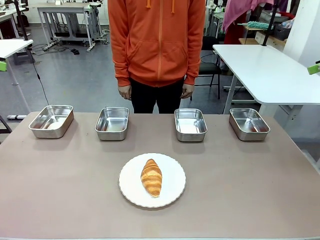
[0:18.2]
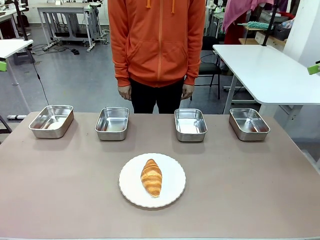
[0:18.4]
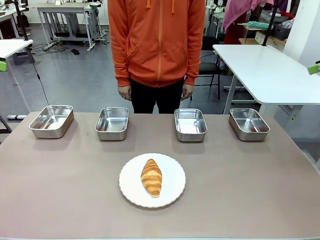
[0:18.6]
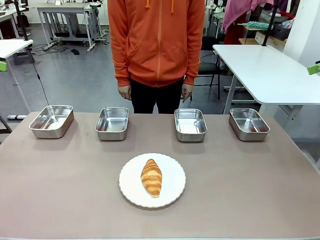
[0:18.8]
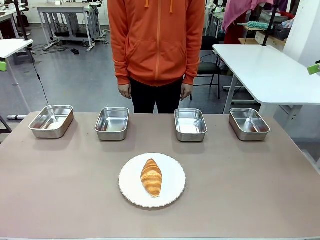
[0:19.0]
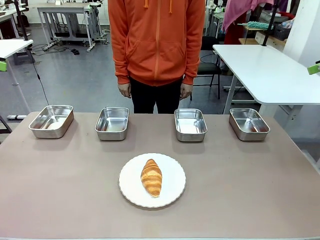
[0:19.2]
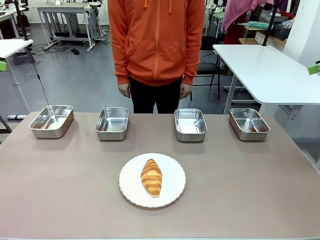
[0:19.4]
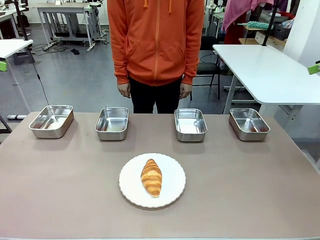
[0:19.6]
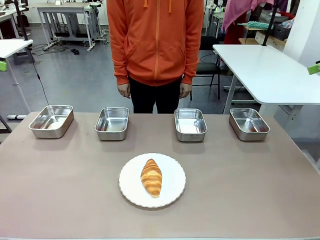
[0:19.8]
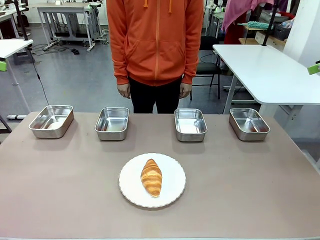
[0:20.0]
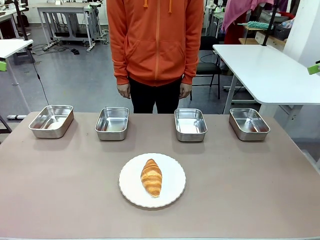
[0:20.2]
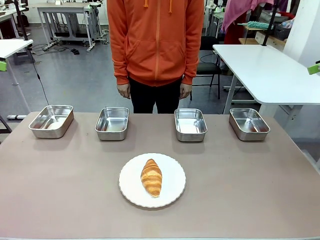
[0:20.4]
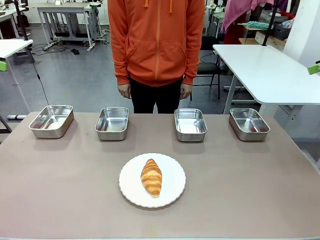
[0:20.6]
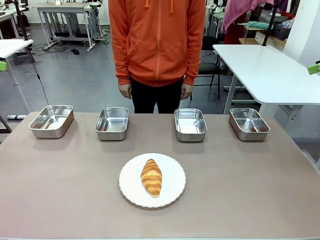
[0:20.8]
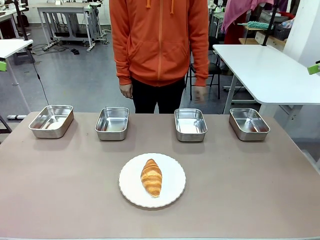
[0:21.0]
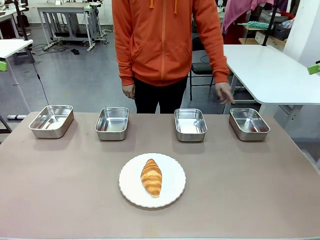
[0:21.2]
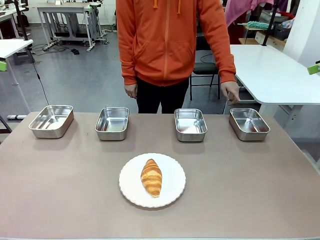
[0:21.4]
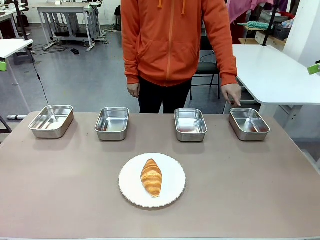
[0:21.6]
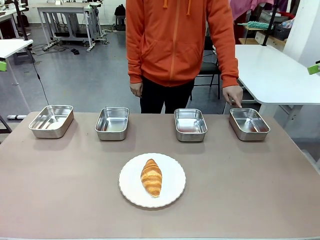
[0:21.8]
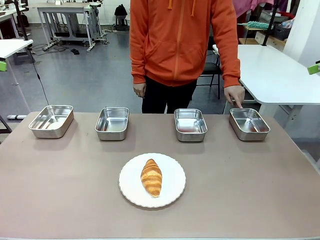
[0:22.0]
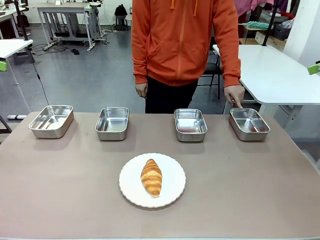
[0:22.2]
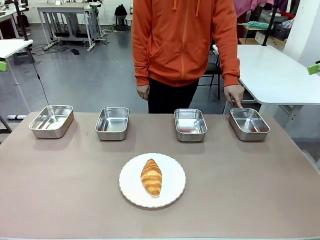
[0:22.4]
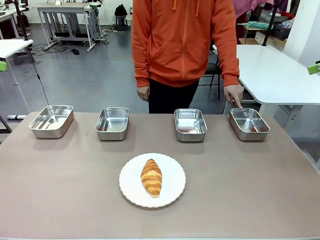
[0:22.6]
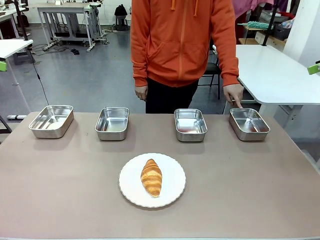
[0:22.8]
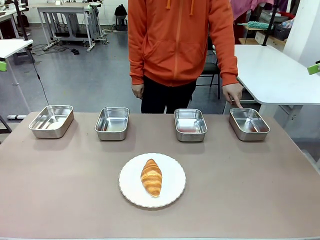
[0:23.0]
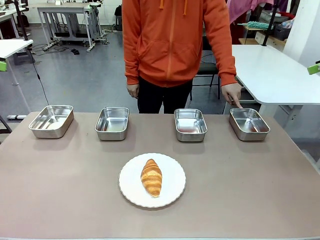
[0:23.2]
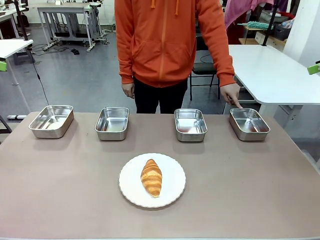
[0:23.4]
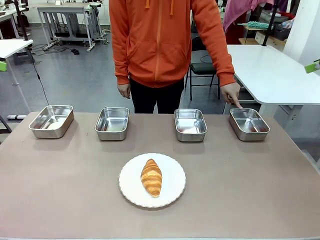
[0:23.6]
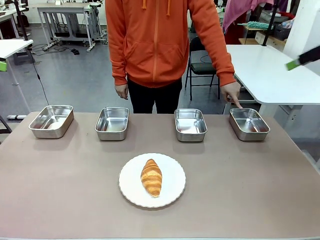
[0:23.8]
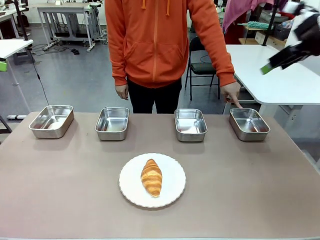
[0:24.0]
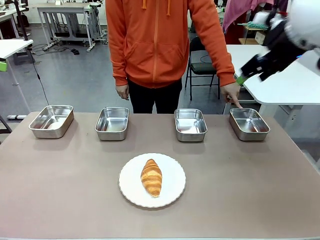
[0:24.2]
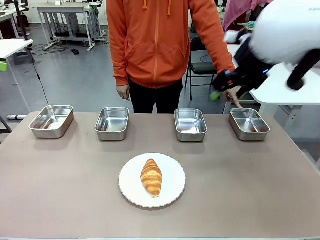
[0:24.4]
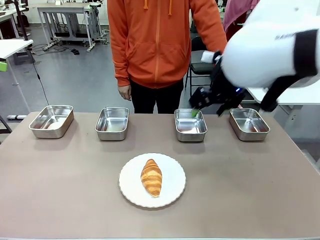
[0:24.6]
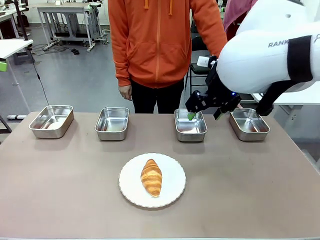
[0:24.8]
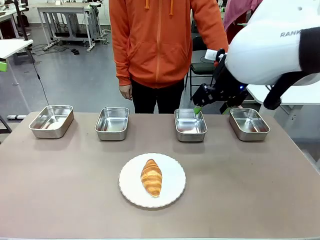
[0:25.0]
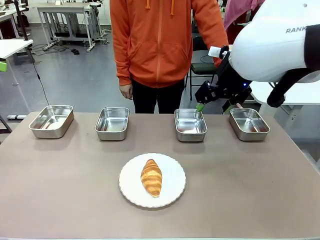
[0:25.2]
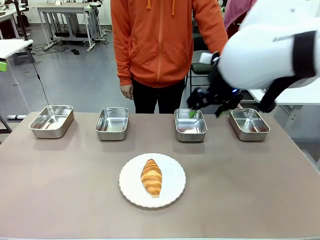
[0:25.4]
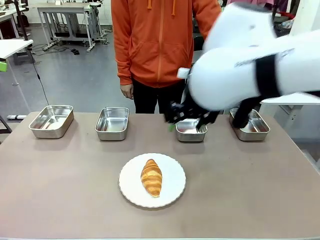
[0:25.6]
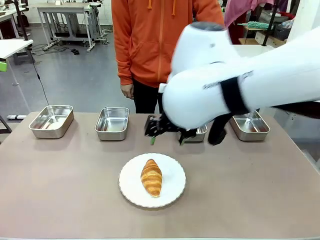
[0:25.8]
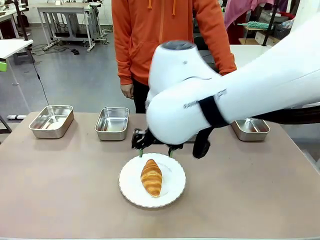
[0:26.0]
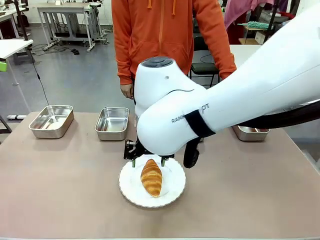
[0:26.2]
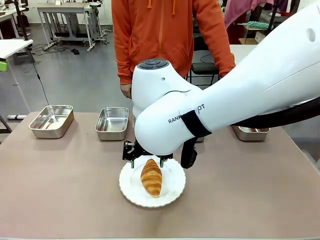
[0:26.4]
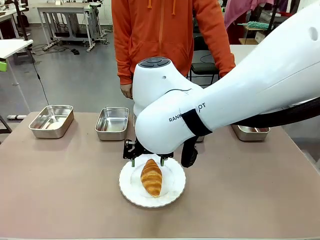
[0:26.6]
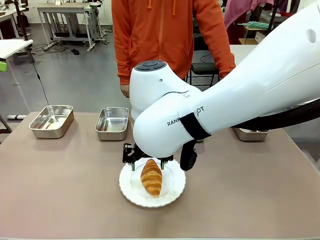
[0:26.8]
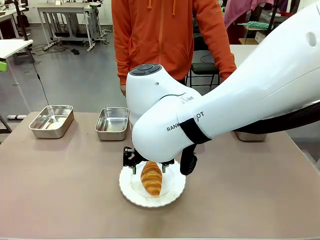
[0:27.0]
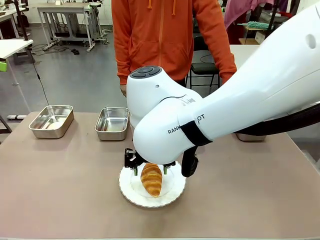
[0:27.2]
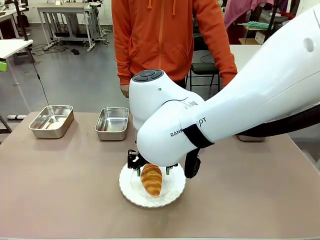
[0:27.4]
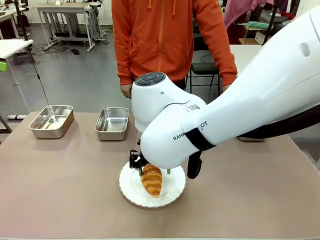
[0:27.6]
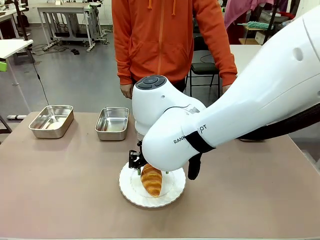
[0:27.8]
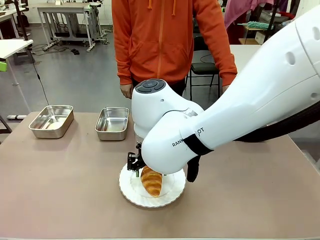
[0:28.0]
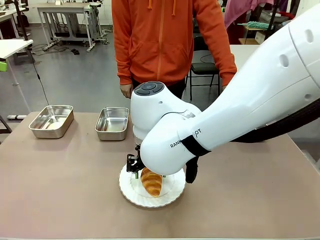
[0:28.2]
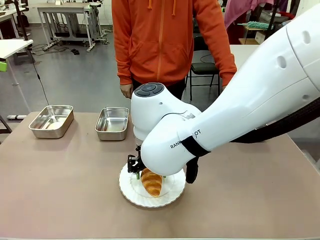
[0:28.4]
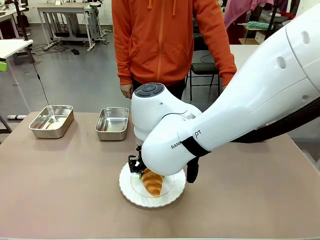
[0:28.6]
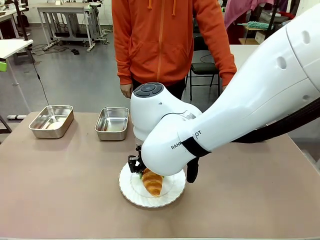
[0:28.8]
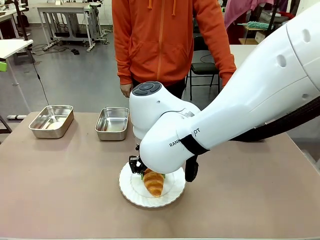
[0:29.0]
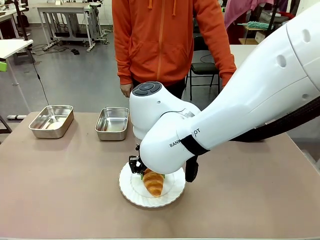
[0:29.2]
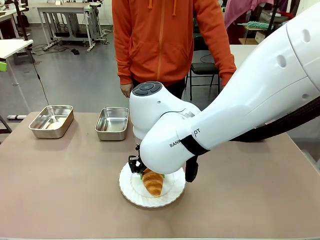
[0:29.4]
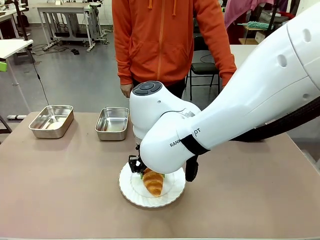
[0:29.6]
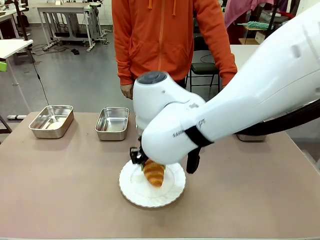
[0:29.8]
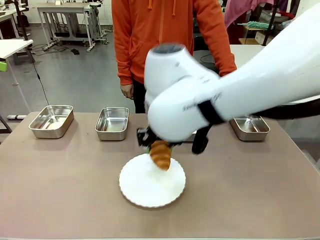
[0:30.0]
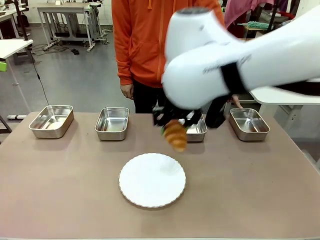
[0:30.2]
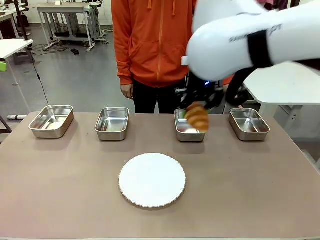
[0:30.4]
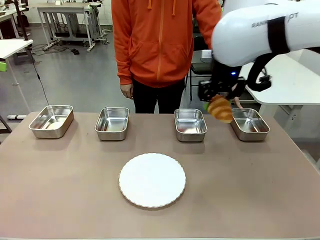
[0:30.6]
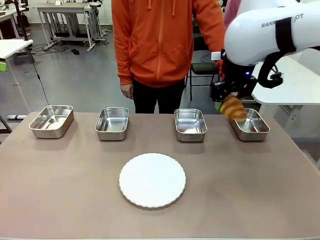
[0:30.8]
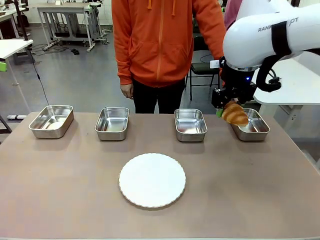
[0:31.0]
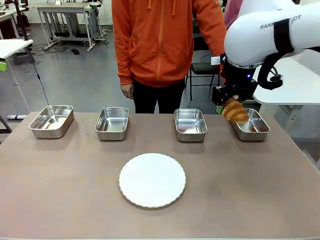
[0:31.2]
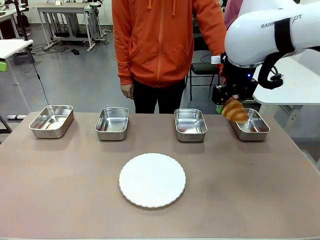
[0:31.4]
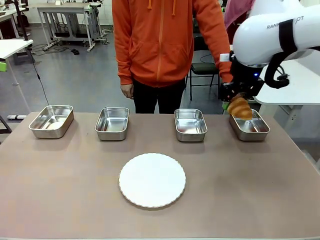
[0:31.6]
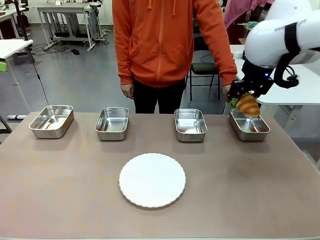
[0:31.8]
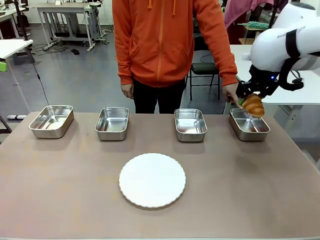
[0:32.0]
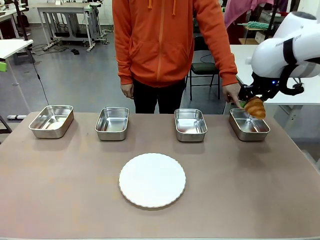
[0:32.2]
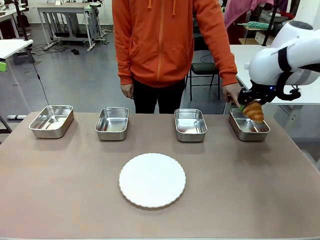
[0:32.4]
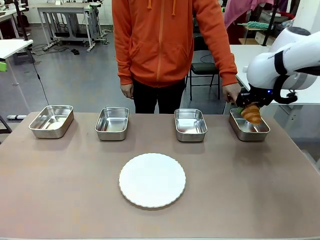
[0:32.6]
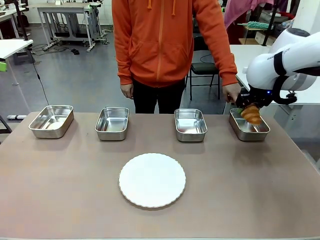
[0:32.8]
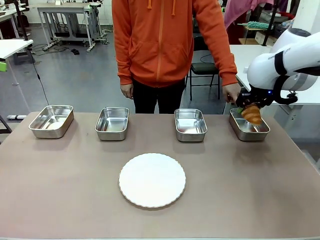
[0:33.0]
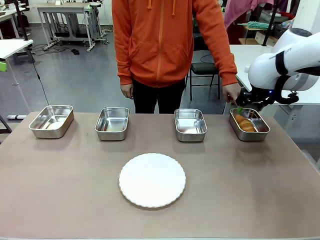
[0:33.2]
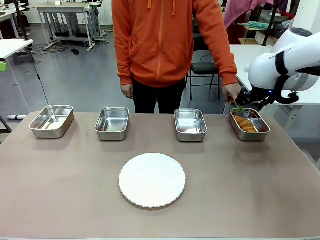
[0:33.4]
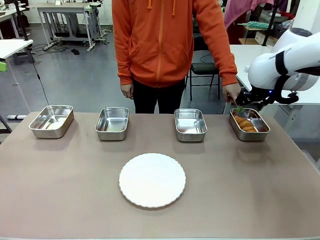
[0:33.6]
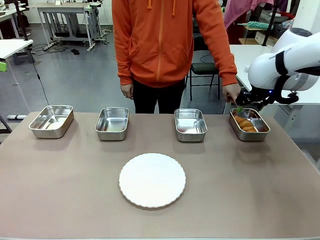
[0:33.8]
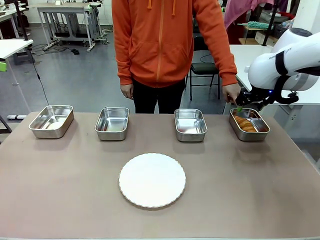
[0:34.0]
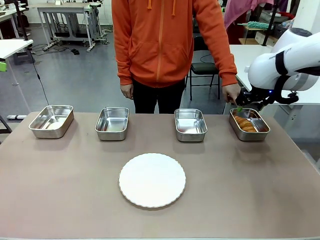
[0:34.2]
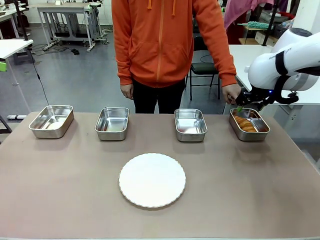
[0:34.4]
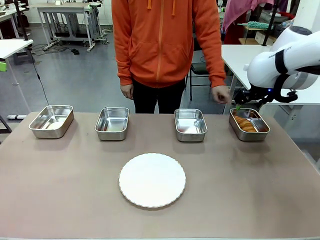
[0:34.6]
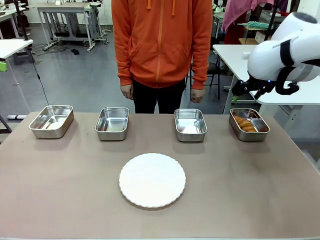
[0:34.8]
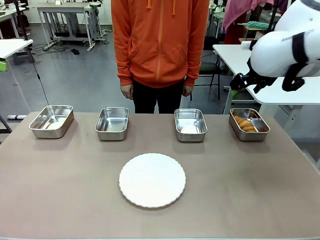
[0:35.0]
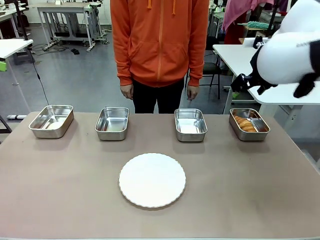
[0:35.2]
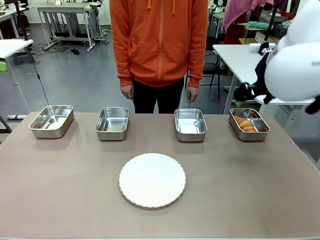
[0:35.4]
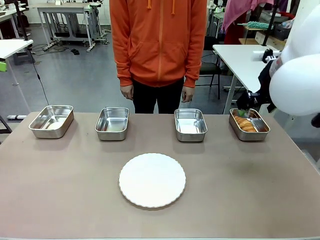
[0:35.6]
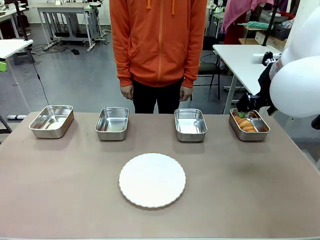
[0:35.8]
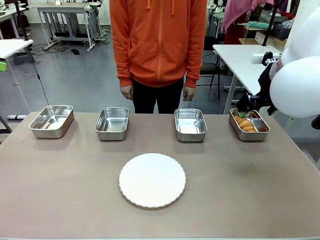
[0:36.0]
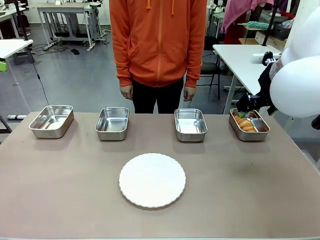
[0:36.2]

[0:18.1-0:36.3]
Task: Place the bread in the container.
Robot: Place the Butter Roll into the Airtight Container indicated by the human.
Person: A person randomly selects and points to an Airtight Container.
